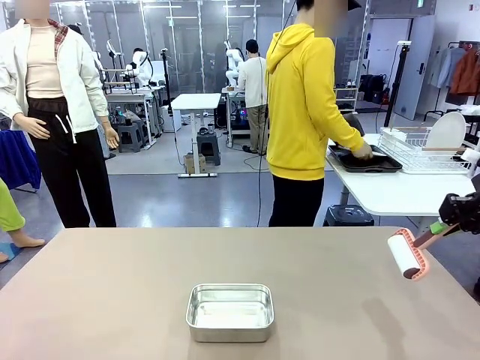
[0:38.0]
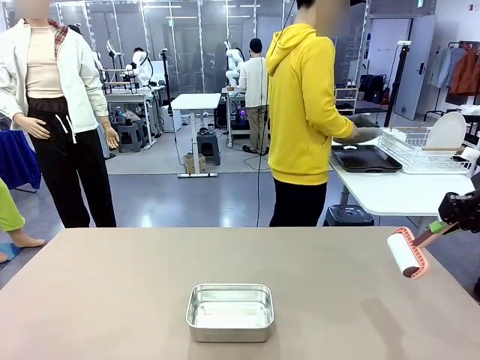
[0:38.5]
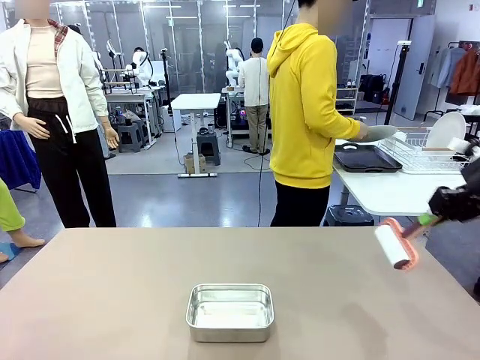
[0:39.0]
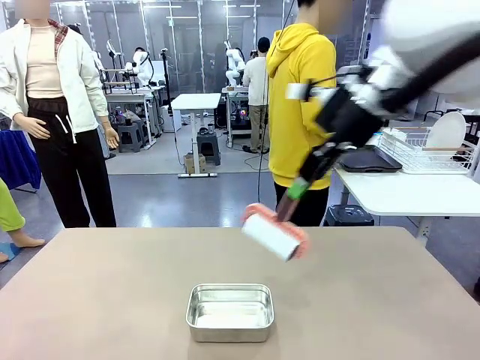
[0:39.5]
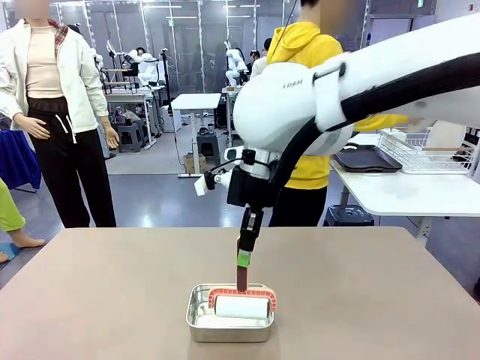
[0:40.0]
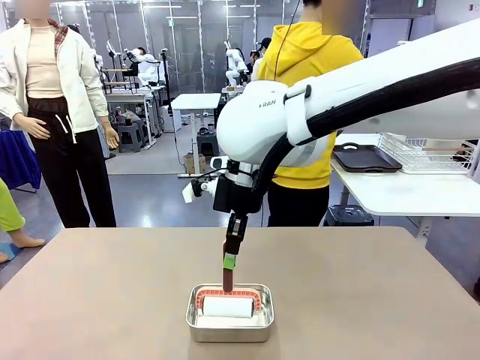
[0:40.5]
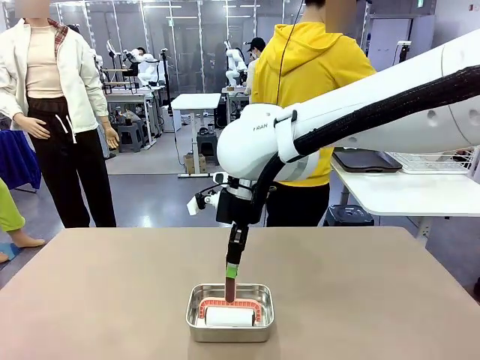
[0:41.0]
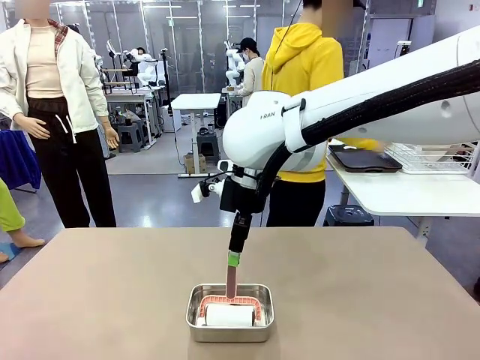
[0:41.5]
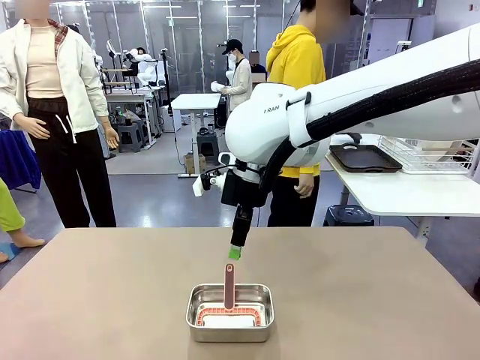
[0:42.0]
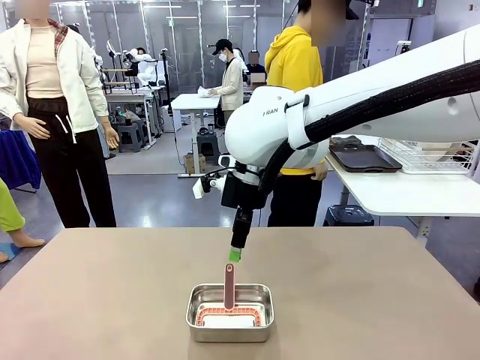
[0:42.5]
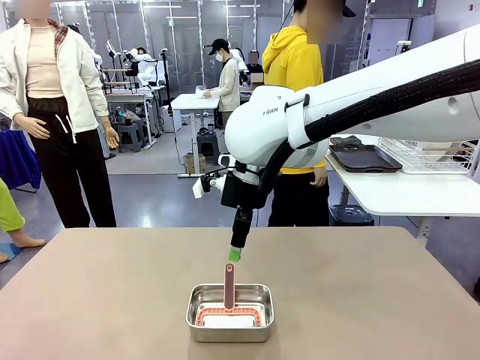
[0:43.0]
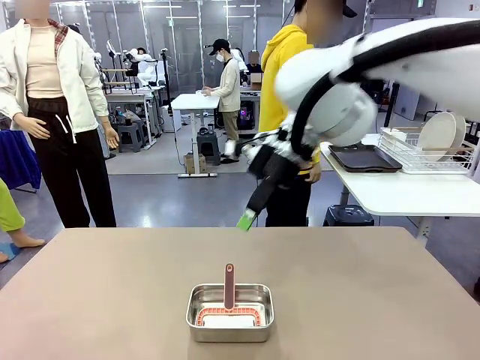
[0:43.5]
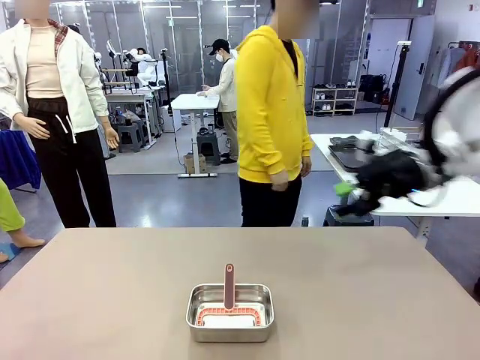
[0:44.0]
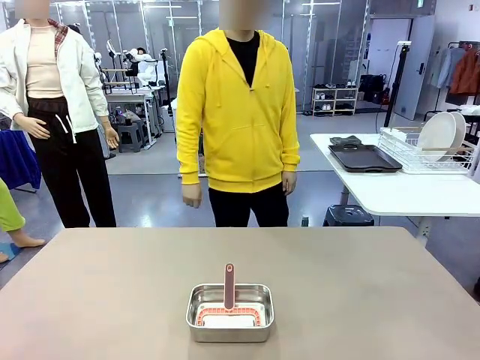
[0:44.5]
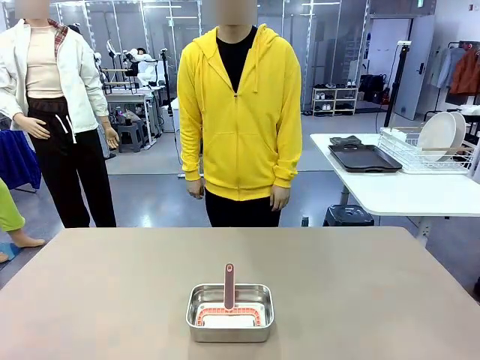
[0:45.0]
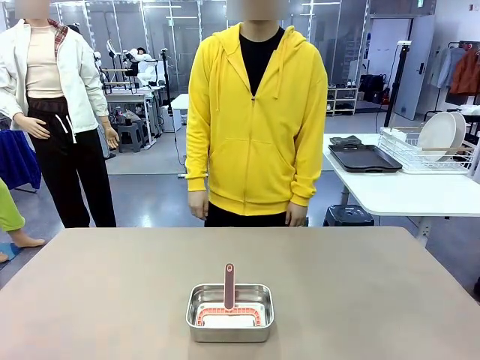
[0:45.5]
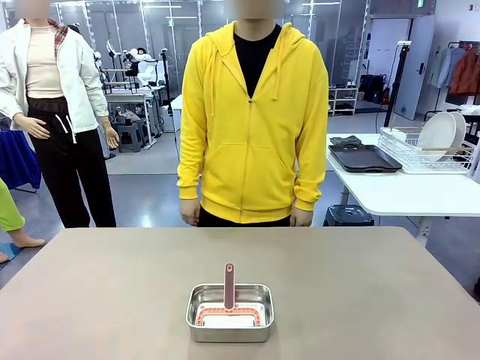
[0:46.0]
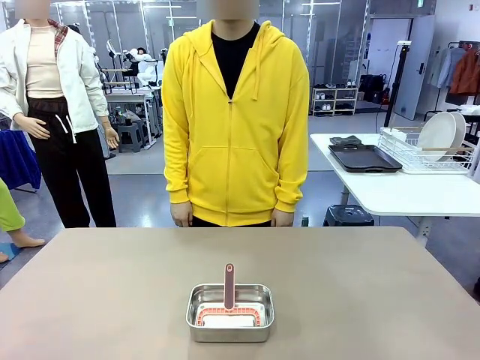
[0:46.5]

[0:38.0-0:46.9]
Robot: Place the Lint Roller back on top of the Airtight Container.
Person: Use the Towel with hook to wipe the Plastic Matte Plate , Fork , and Knife and place into the Dish drying rack.

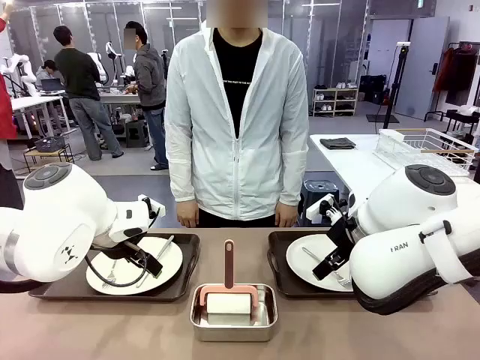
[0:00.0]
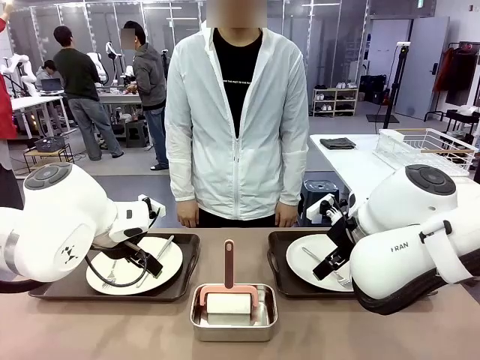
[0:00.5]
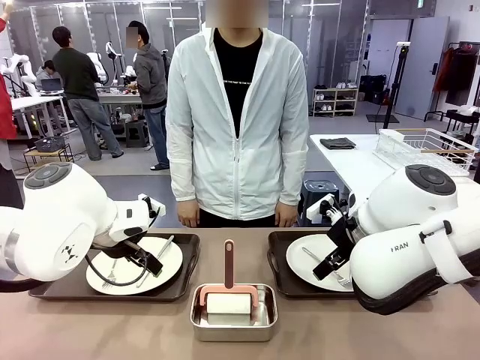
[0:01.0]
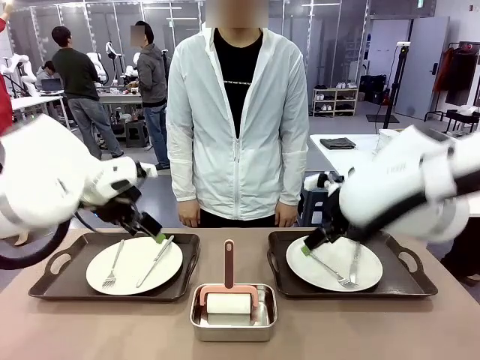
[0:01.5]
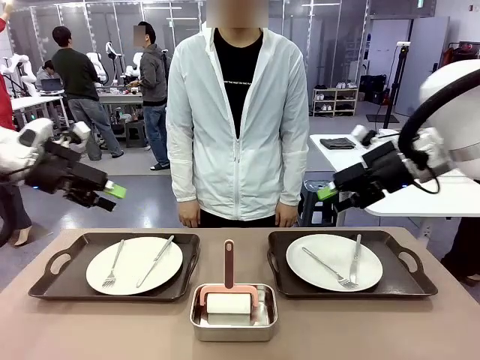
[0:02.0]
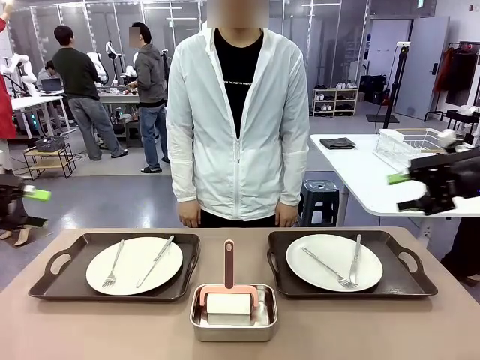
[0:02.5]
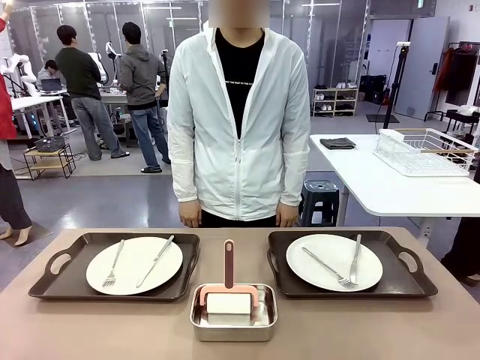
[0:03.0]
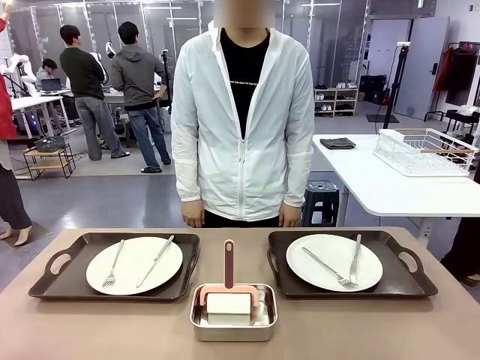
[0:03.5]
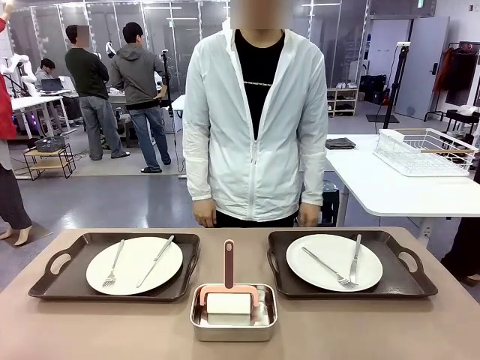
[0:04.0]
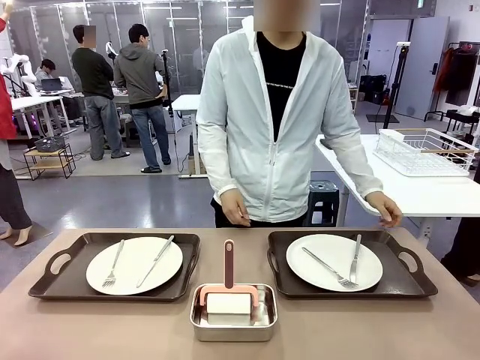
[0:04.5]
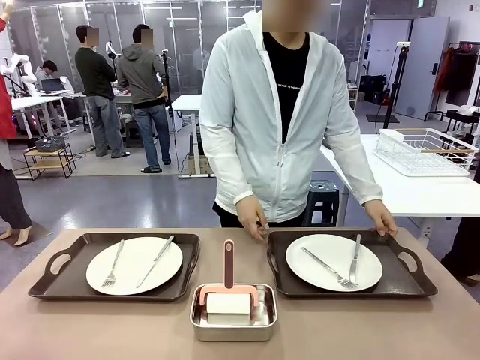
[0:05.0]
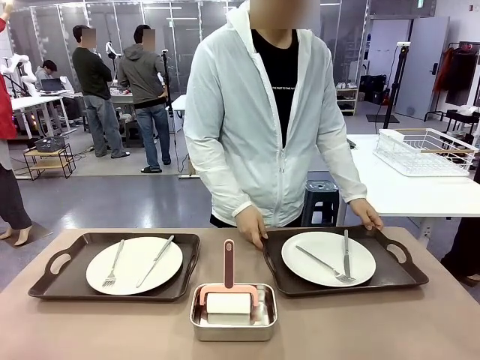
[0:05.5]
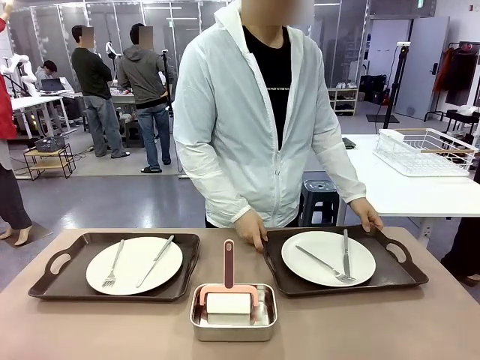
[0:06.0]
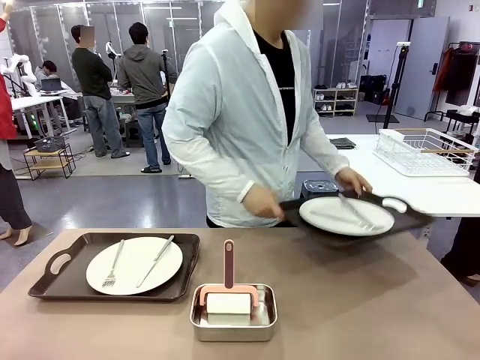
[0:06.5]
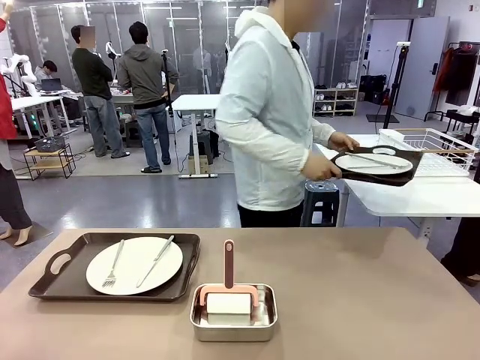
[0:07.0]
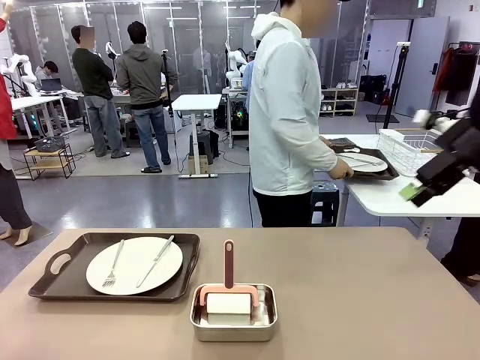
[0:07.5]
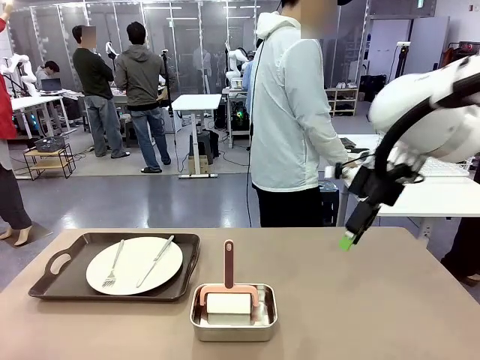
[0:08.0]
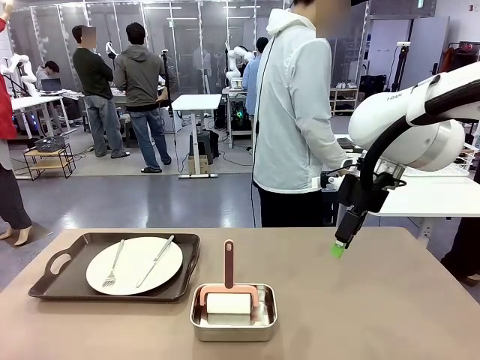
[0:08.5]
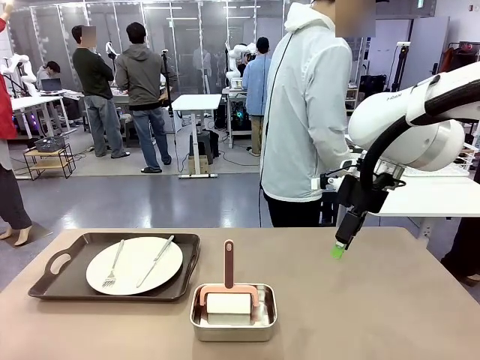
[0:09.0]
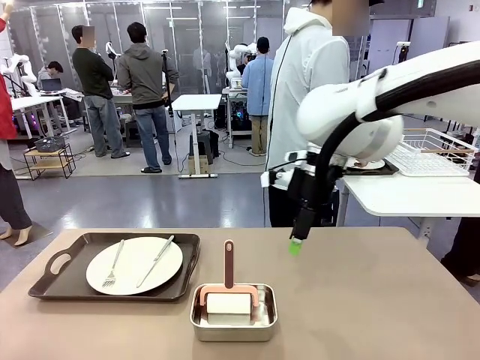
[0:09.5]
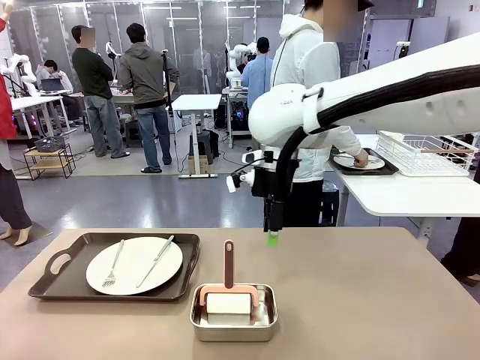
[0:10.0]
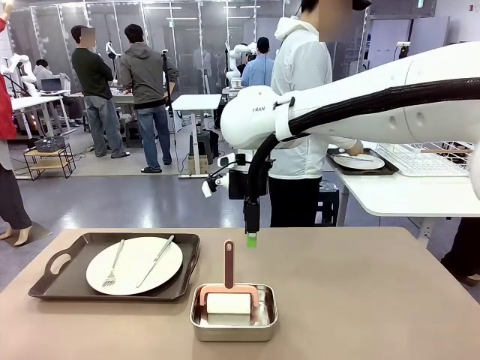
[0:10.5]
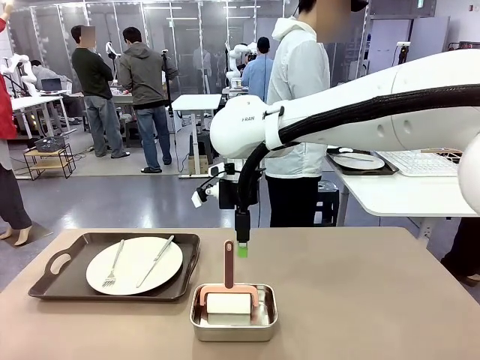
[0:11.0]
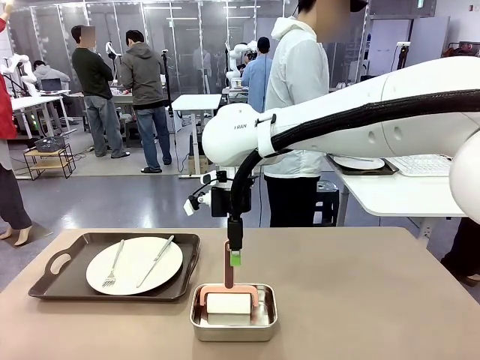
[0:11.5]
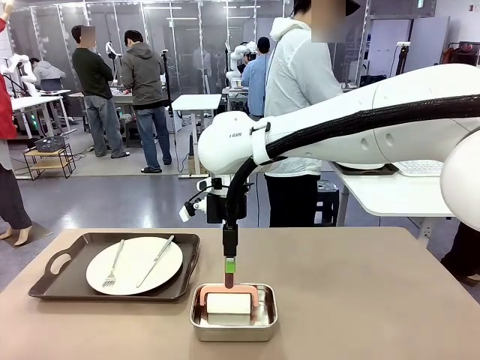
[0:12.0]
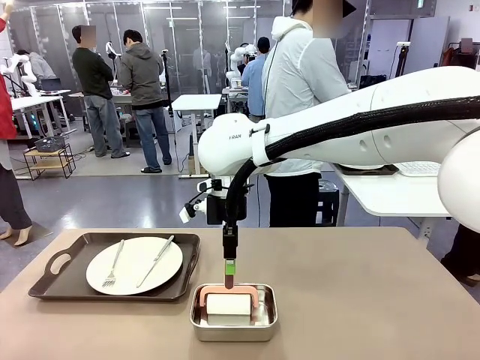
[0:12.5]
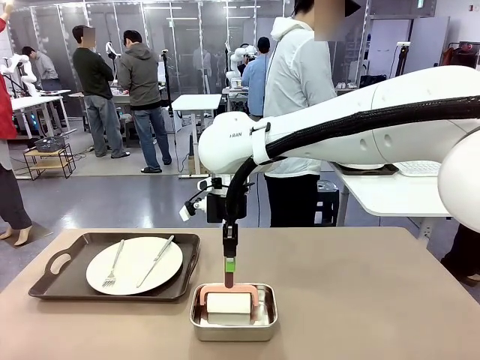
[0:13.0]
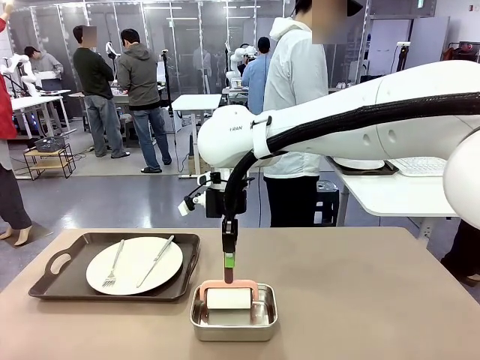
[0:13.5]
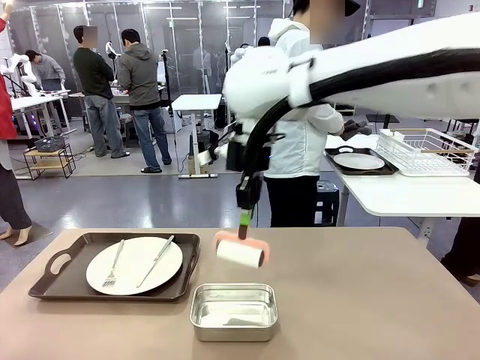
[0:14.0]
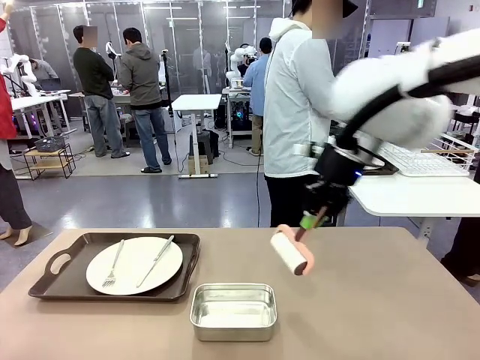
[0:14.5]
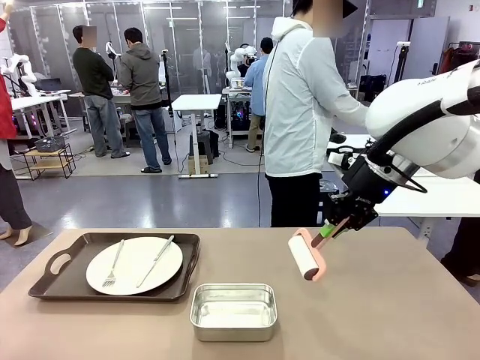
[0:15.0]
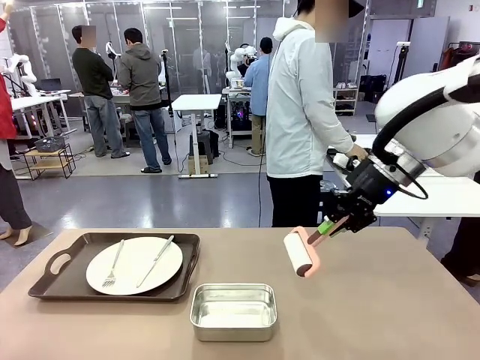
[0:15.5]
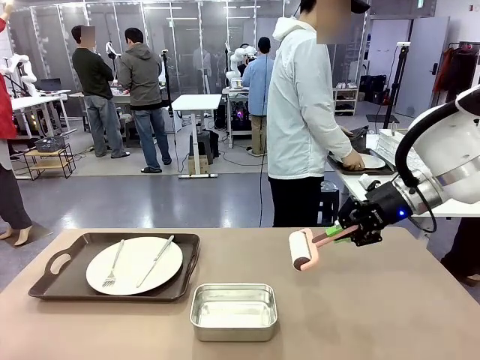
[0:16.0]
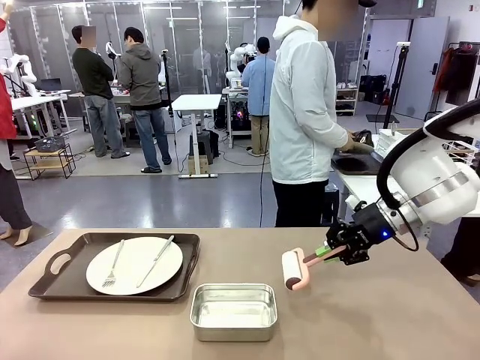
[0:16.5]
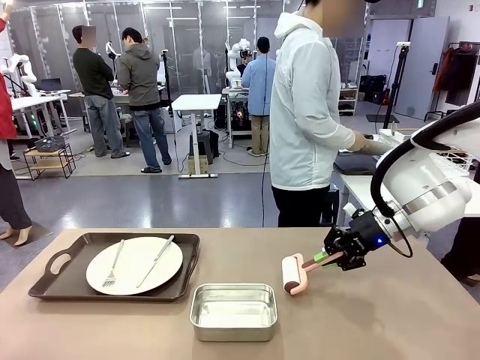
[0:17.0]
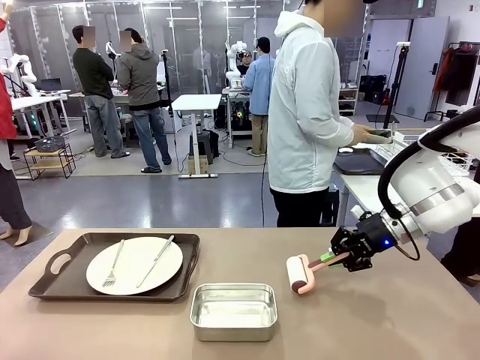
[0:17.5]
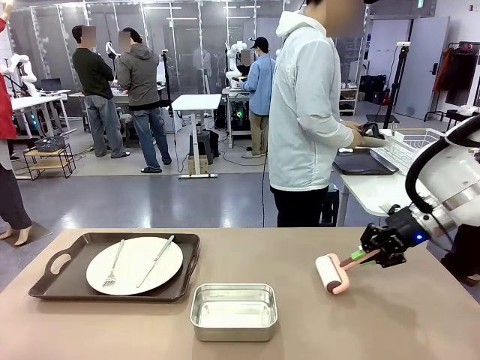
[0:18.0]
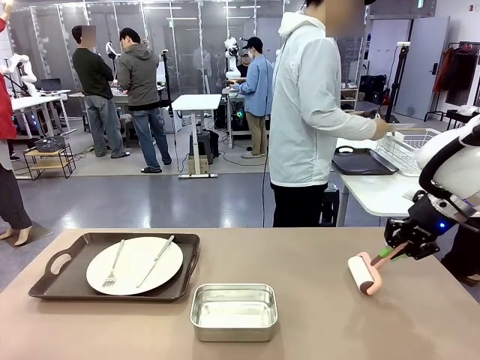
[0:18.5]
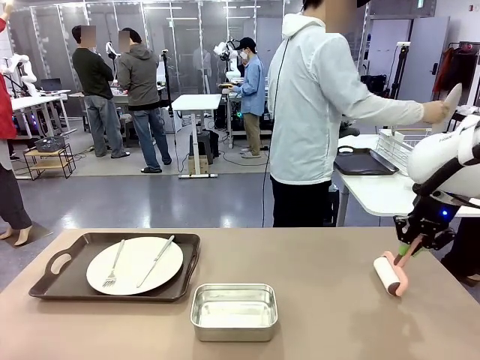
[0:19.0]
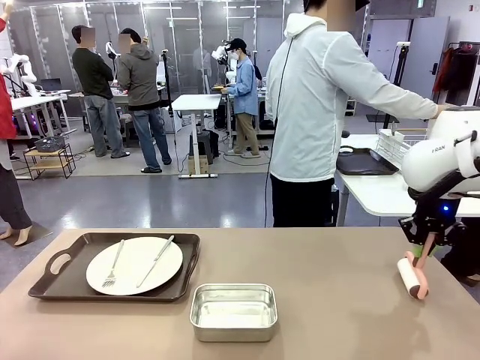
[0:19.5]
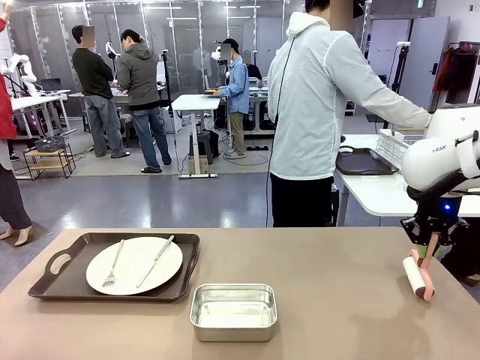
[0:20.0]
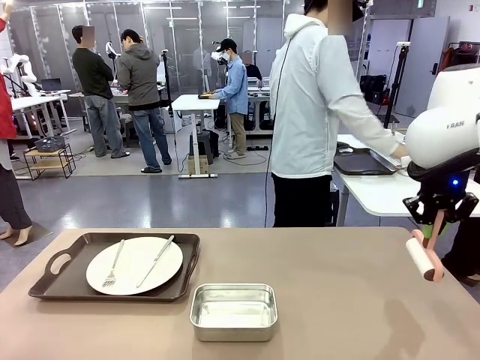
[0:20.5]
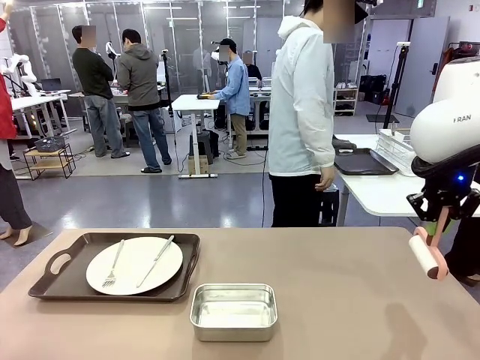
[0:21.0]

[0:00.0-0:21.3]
Robot: When the left (or right) Handle tray is removed, use the left hand (or right hand) to clean the left (or right) side of the table with the Lint Roller.
Person: Pick up the left (or right) Handle tray and place it on the middle of the Human's table. Use the Towel with hook to wipe the Plastic Matte Plate , Fork , and Knife and place into the Dish drying rack.
